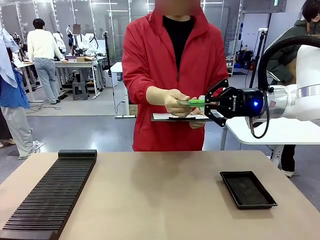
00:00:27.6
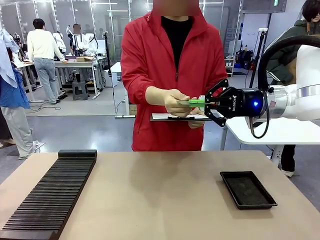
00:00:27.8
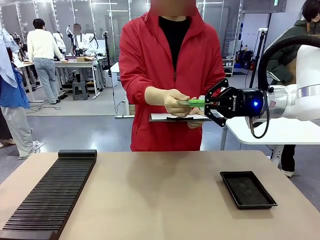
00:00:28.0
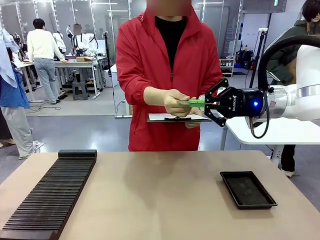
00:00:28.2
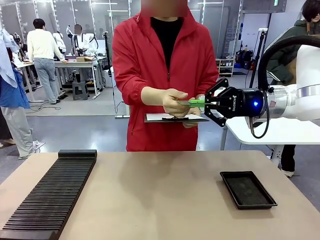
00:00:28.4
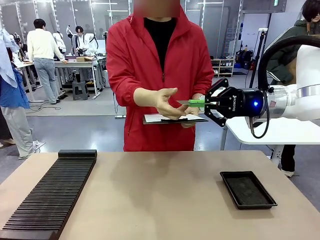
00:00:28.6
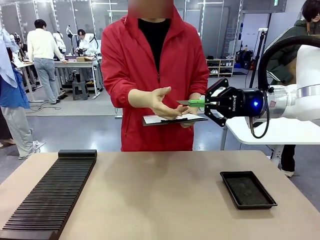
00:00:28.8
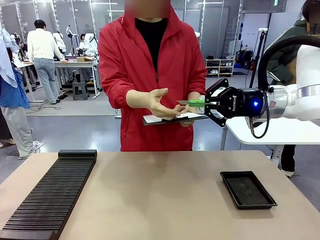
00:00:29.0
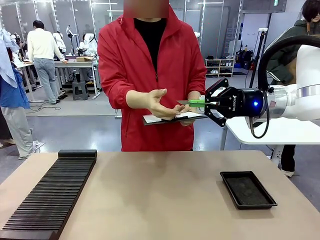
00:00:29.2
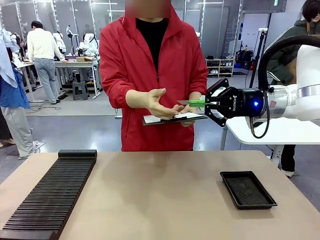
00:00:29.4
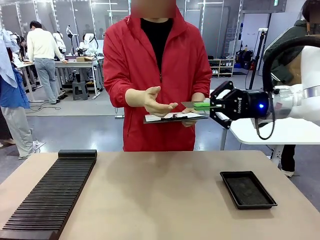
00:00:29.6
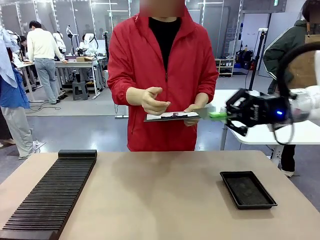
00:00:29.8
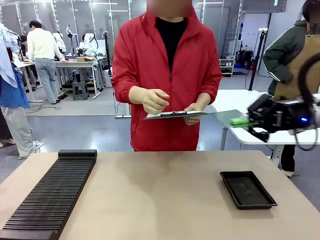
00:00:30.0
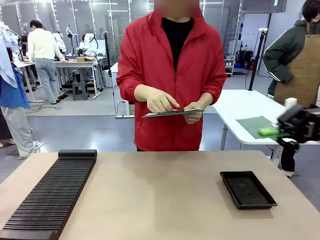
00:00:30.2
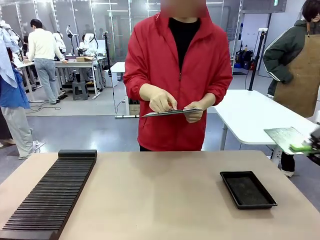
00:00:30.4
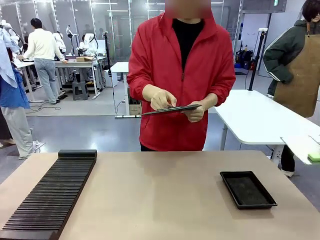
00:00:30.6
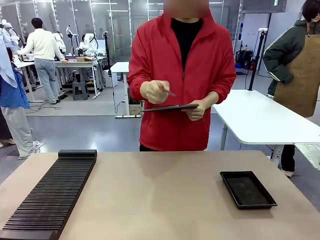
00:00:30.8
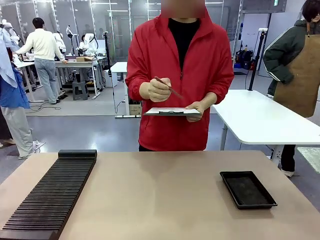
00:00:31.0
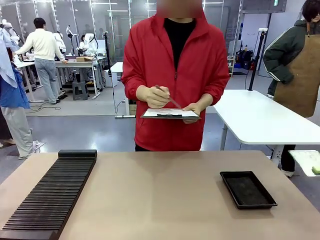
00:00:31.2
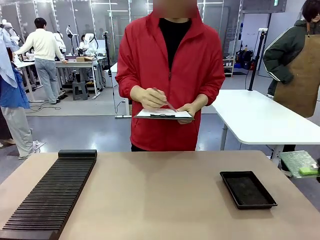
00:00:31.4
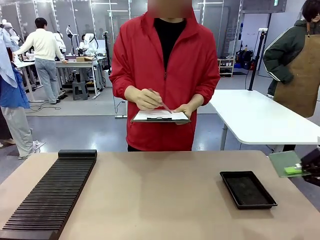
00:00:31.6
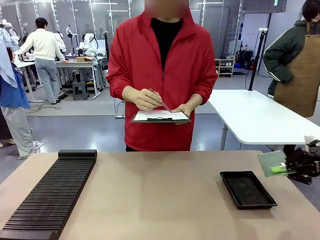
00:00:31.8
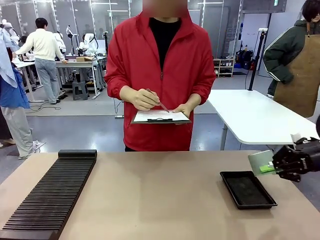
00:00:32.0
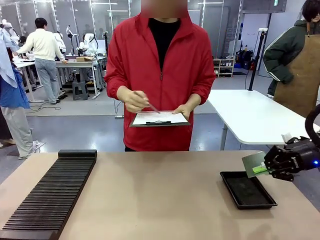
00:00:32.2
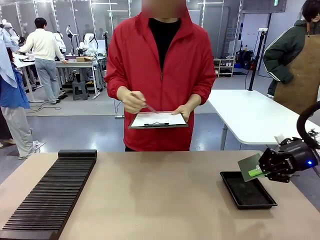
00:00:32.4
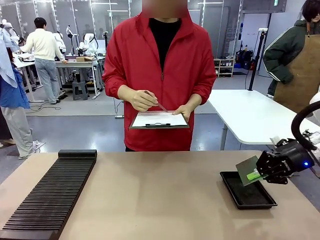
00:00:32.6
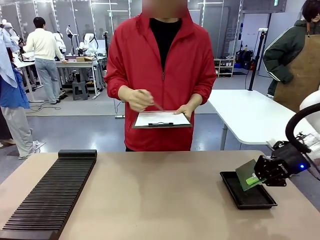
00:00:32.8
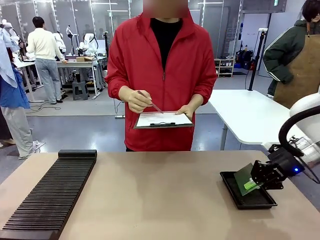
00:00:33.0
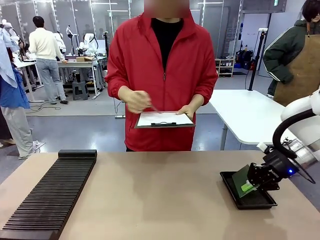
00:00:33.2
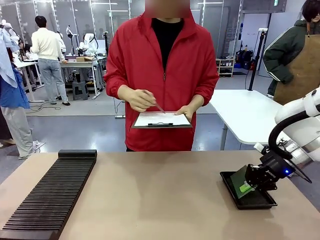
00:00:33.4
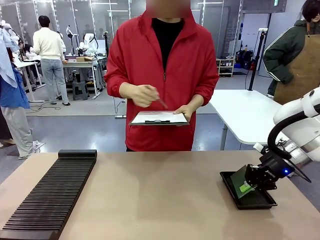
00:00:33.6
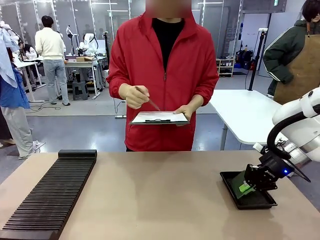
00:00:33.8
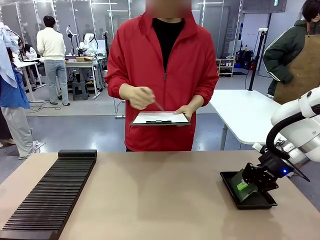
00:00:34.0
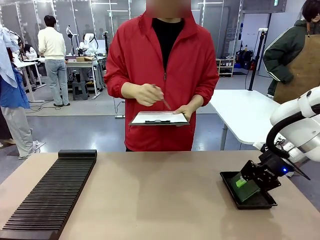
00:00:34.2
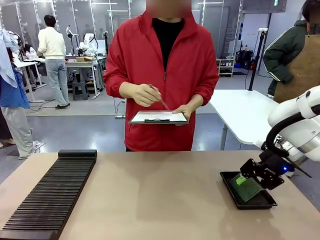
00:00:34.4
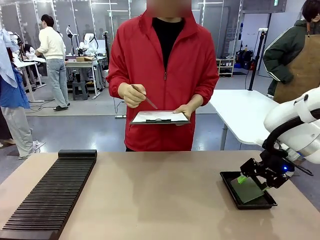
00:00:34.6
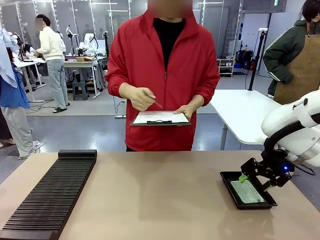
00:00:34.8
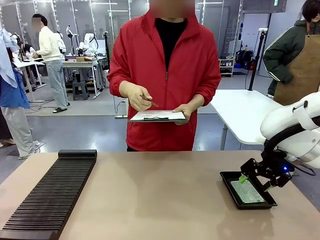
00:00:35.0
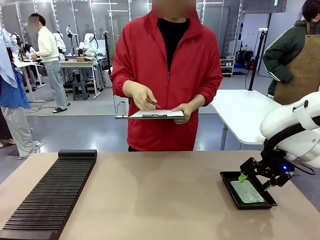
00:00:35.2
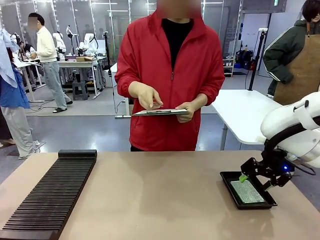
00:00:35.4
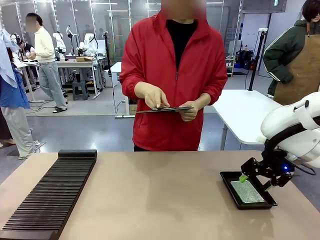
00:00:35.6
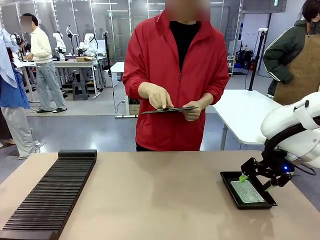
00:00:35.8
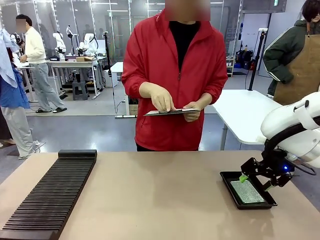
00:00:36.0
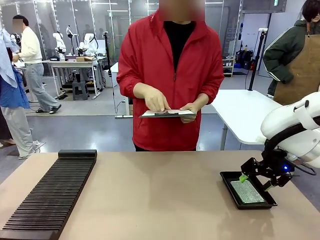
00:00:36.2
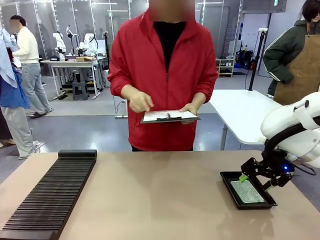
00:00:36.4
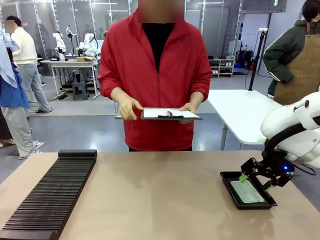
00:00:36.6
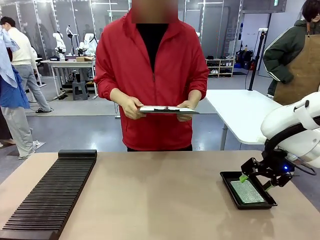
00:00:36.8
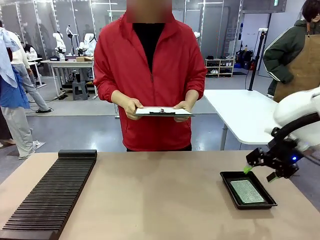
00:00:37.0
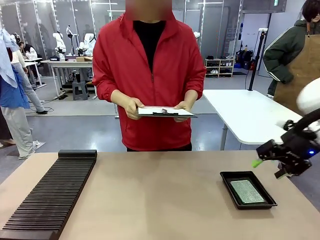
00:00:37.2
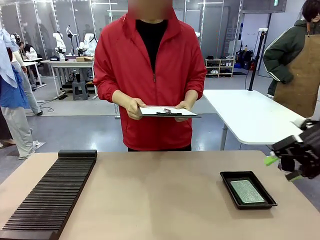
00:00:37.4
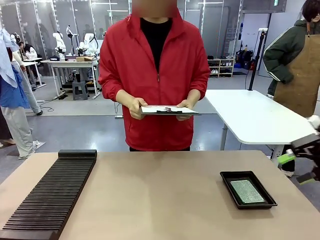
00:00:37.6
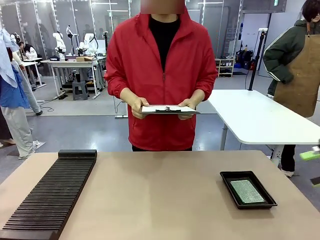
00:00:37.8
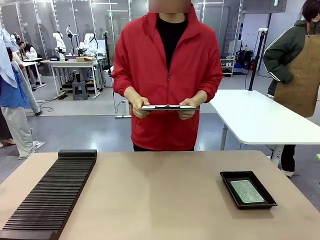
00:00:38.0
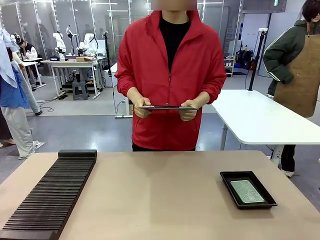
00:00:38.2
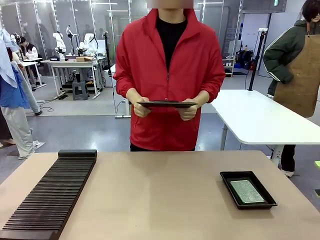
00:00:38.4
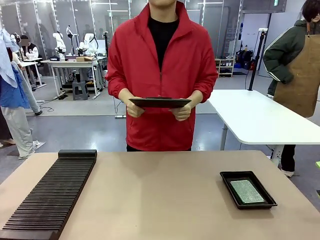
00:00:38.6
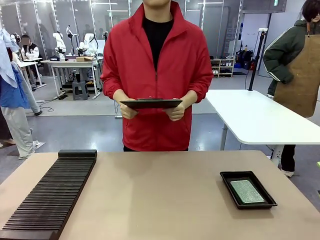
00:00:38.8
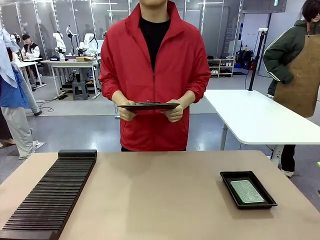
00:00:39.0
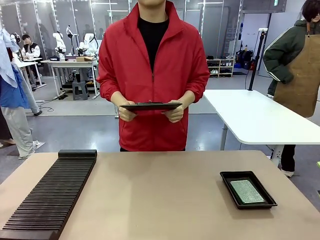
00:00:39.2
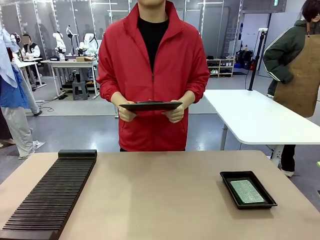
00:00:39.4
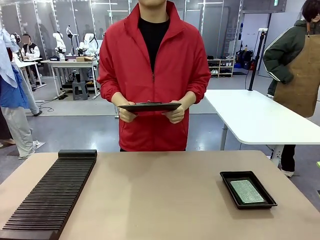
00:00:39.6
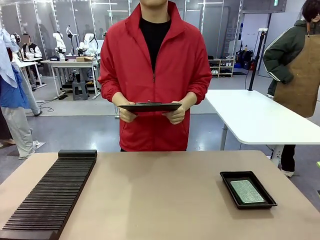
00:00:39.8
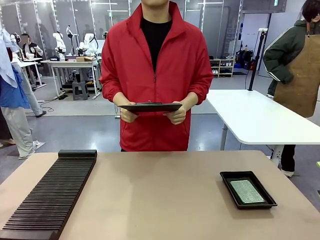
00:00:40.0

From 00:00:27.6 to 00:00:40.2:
Task: Inspect the PCB.
Robot: Place the Blank PCB in the ESD tray.
Person: Record the PCB status on the paper.
